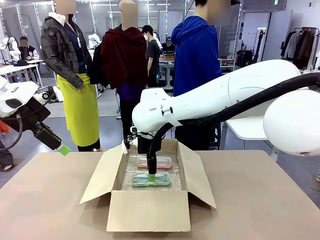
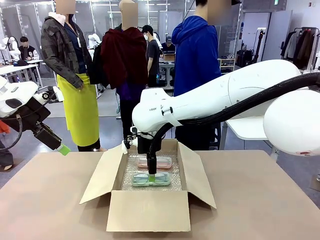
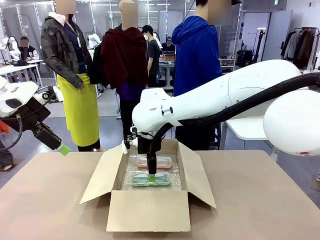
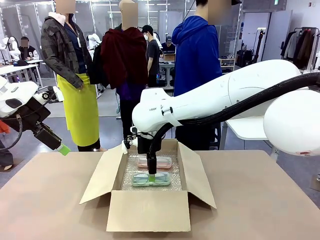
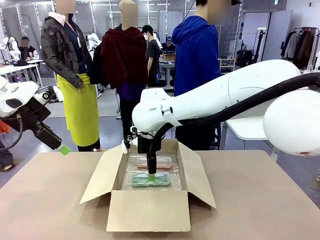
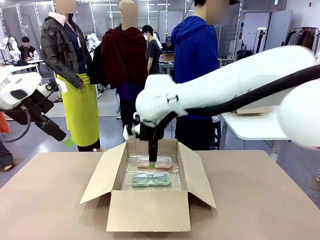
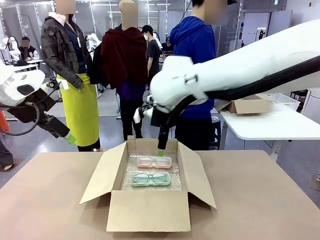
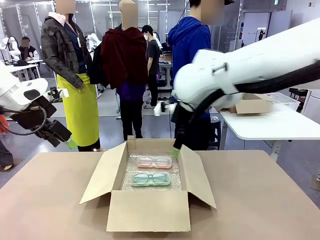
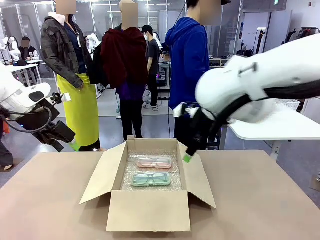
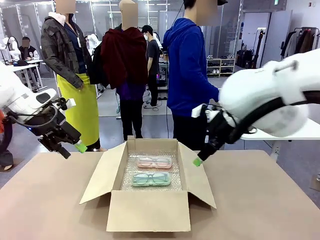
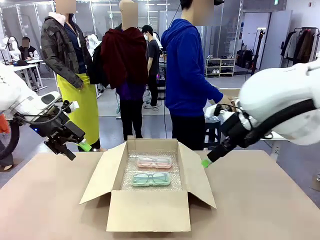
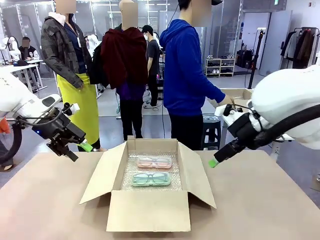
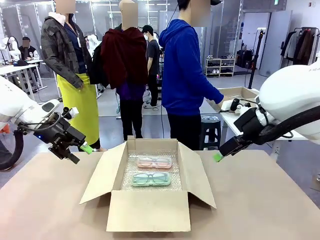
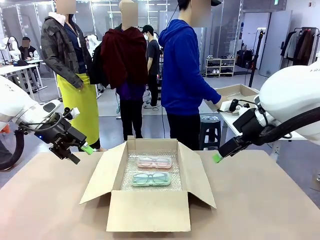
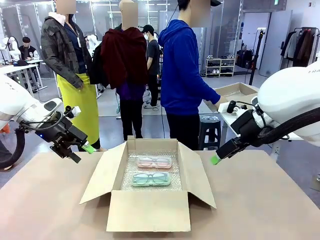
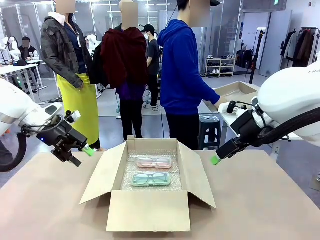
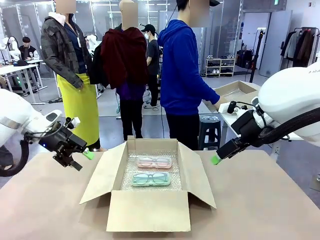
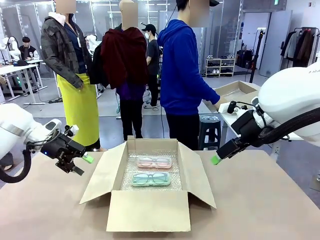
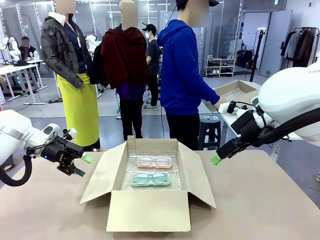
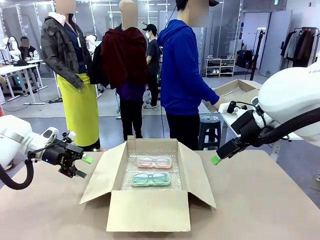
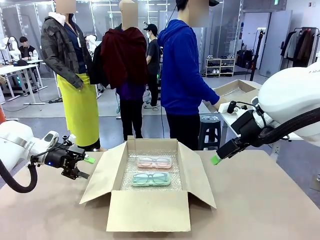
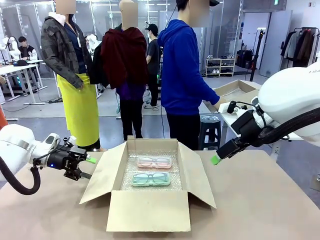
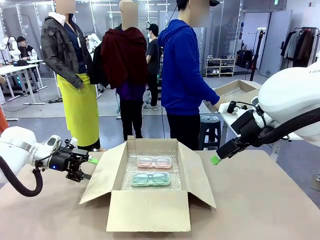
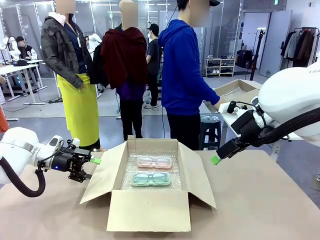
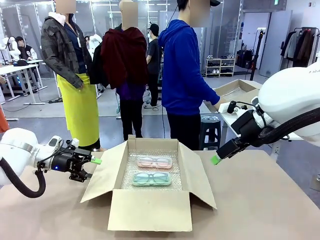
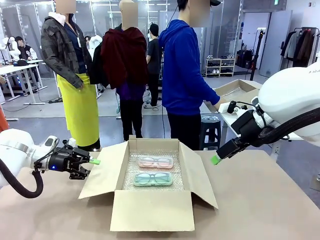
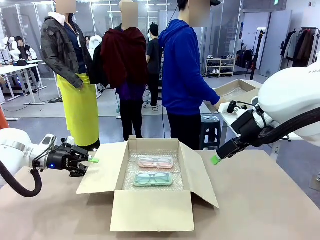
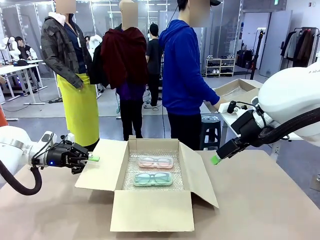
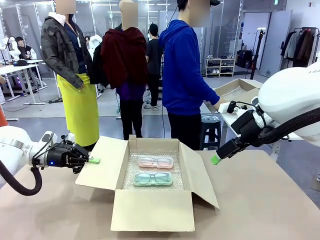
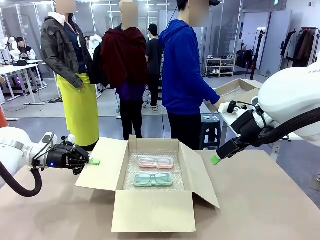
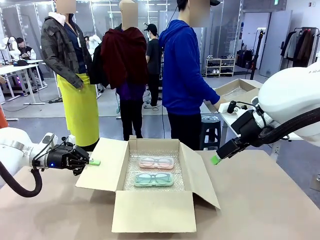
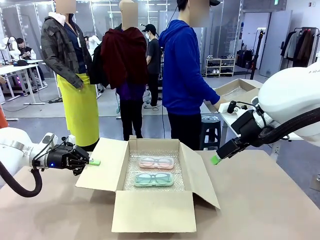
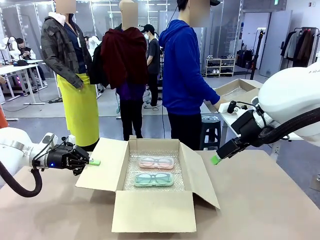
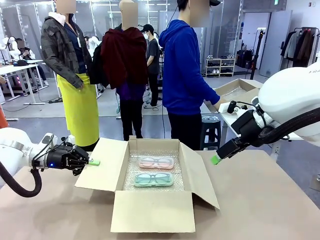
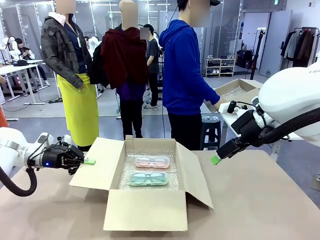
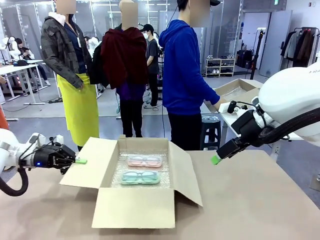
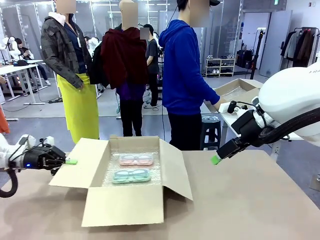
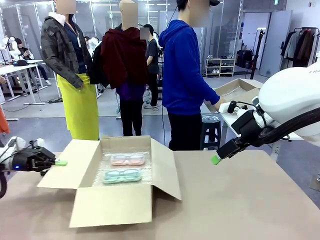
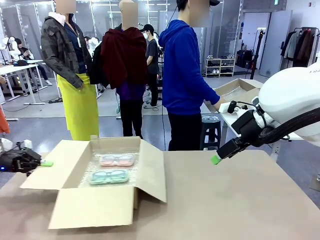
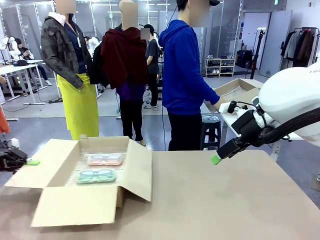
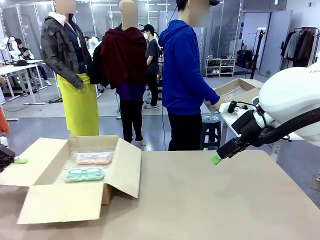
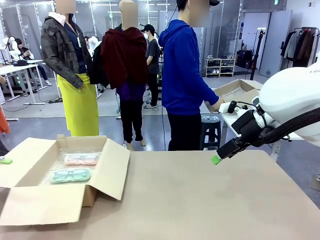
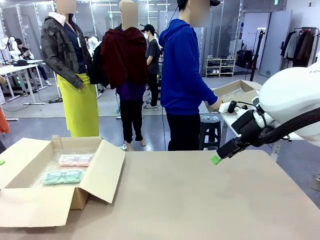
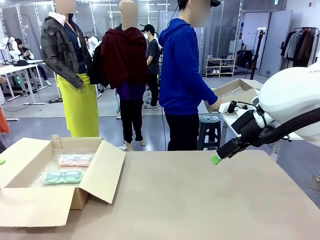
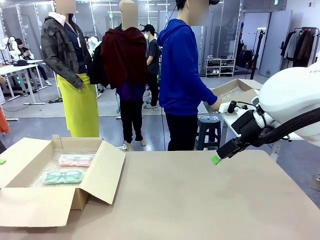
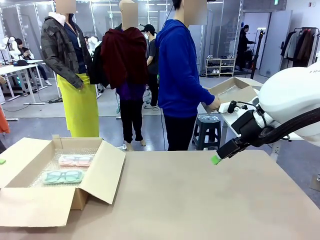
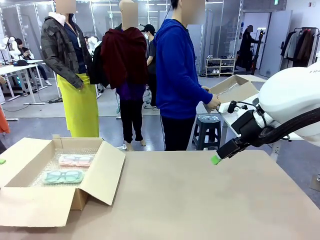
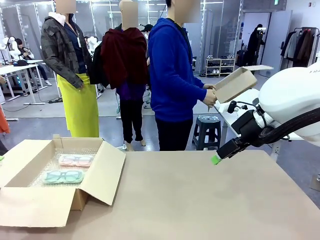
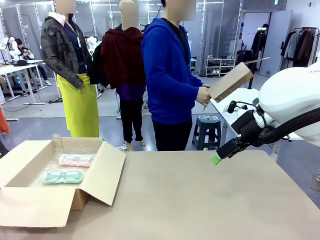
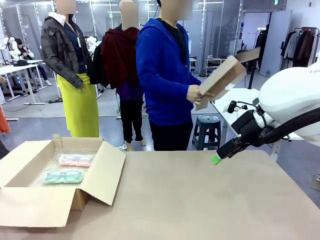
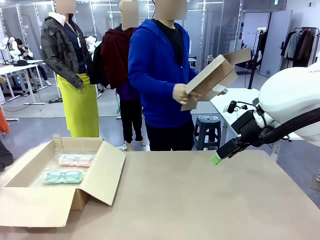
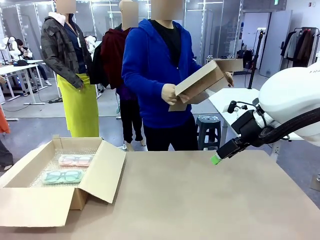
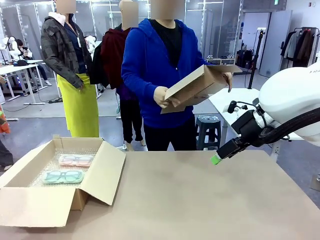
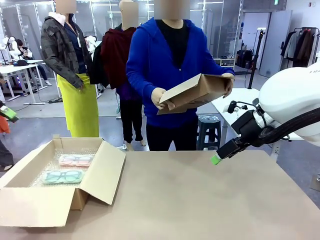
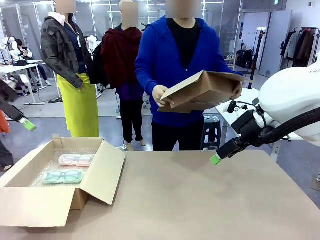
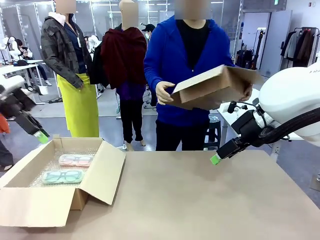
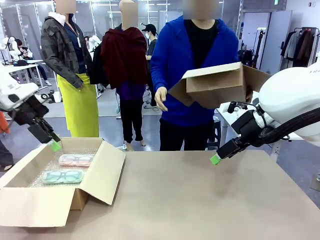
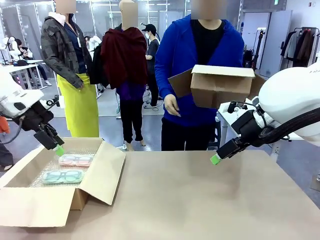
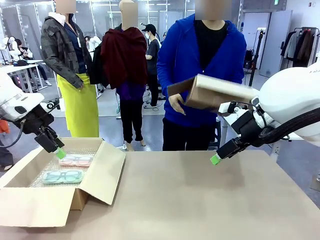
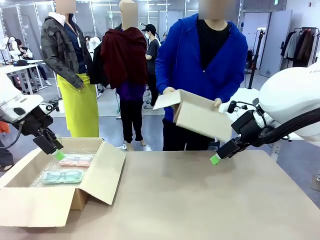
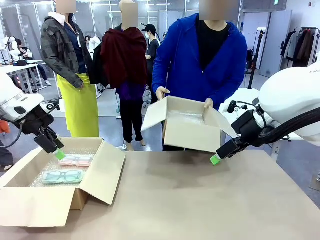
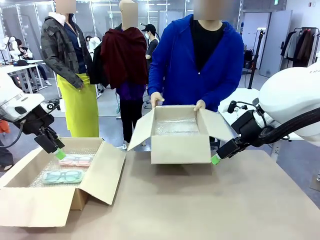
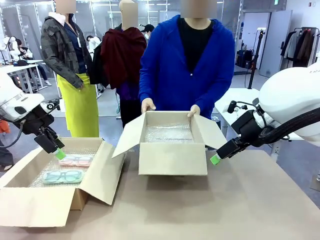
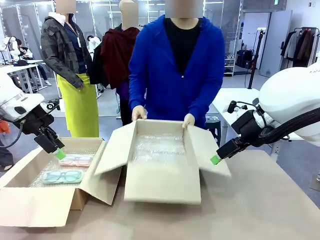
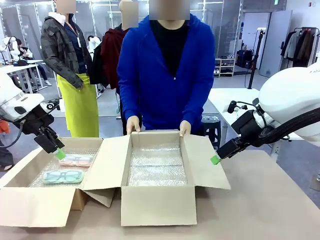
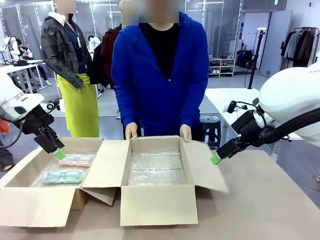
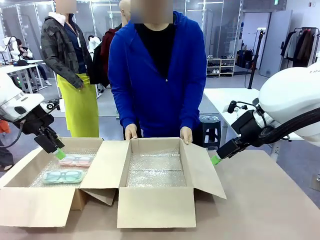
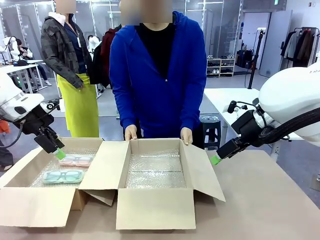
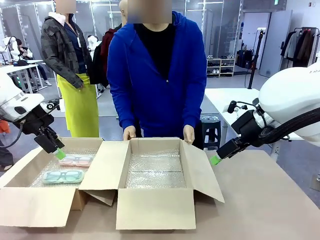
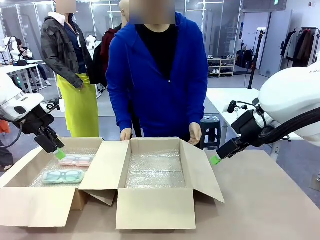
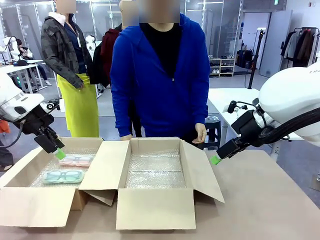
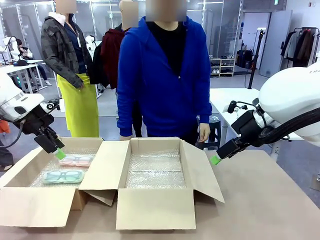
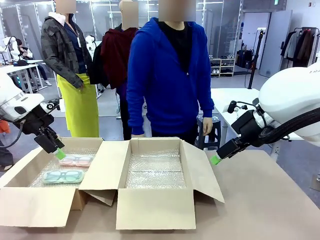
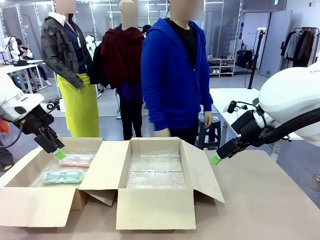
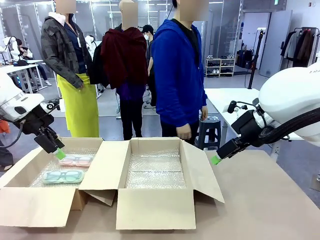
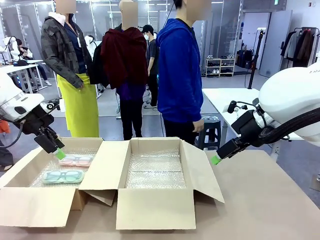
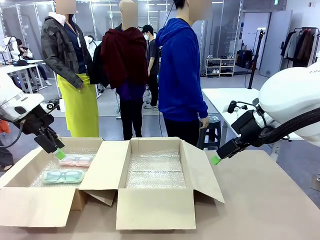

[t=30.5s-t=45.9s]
Task: Pack the glasses set securely to prepare it for shipping.
Robot: Position the Package Box on the left side of the table.
Person: Position the empty Package Box in the middle of the robot's table.
